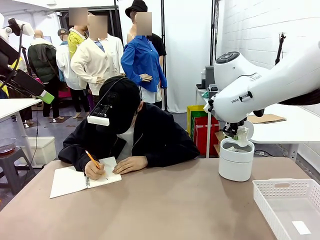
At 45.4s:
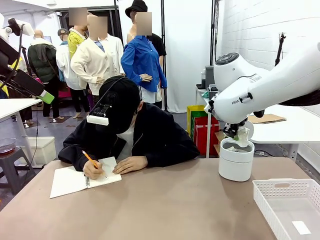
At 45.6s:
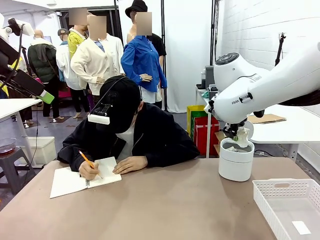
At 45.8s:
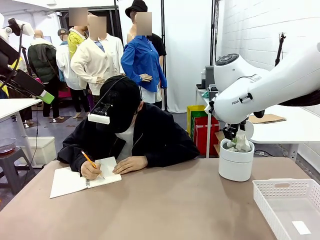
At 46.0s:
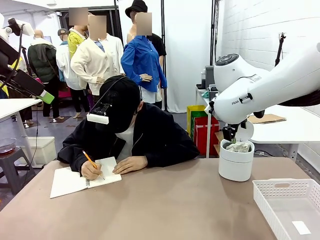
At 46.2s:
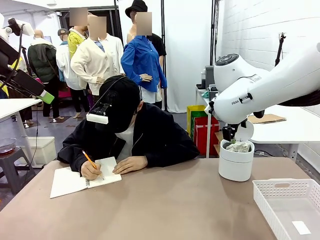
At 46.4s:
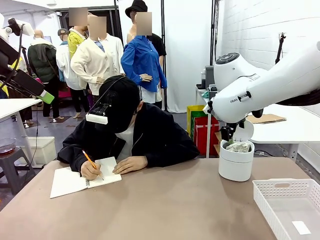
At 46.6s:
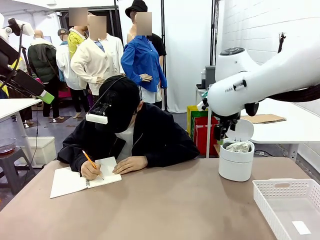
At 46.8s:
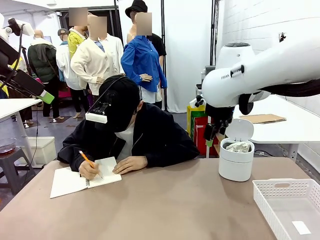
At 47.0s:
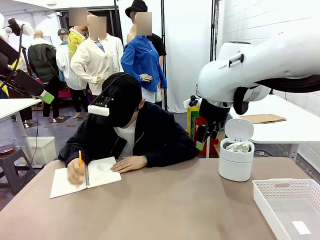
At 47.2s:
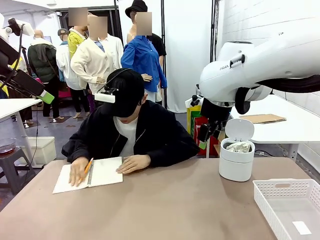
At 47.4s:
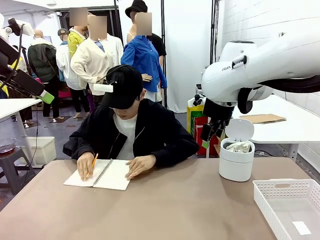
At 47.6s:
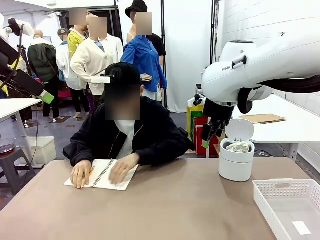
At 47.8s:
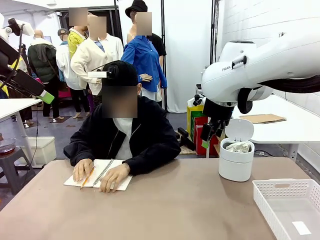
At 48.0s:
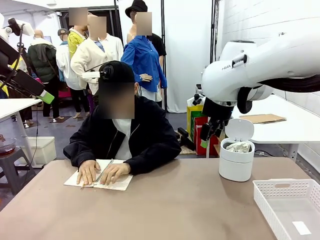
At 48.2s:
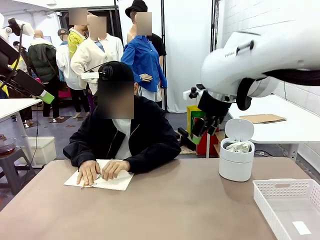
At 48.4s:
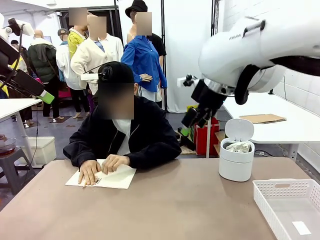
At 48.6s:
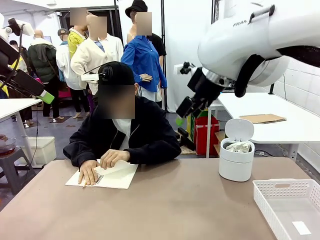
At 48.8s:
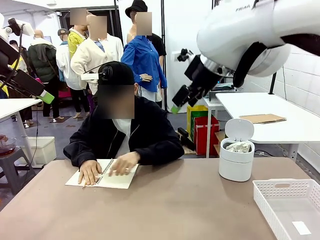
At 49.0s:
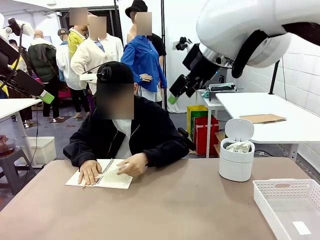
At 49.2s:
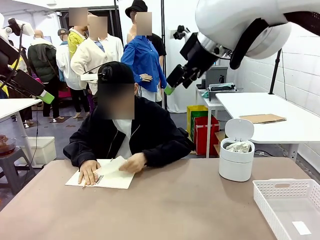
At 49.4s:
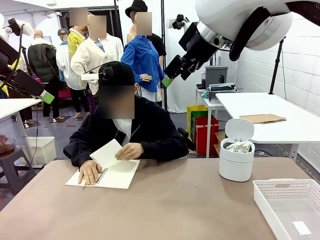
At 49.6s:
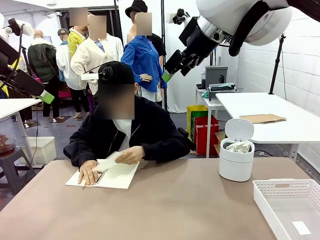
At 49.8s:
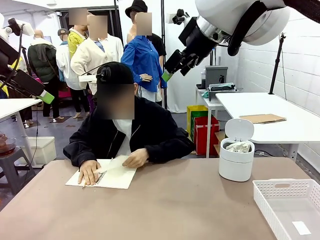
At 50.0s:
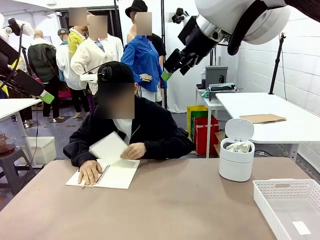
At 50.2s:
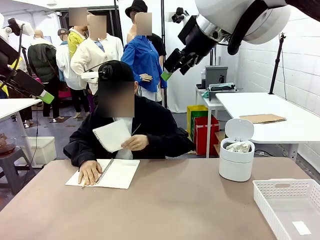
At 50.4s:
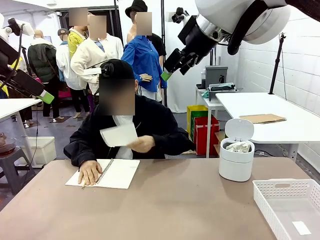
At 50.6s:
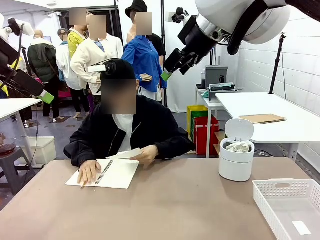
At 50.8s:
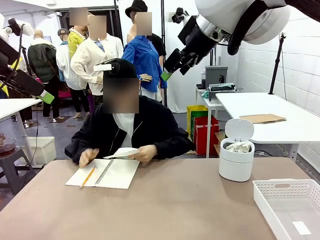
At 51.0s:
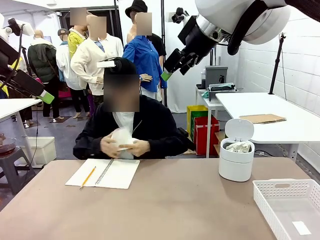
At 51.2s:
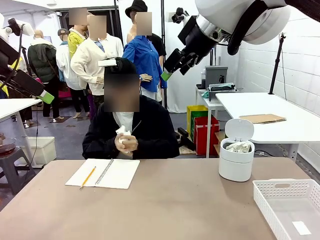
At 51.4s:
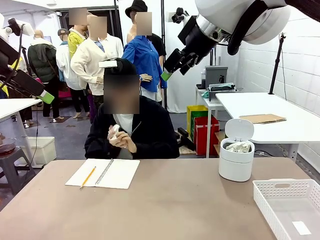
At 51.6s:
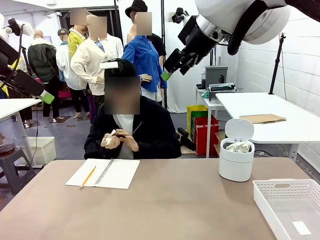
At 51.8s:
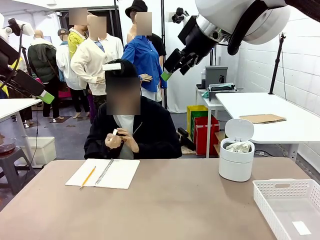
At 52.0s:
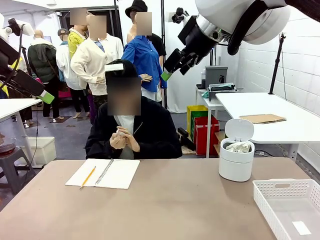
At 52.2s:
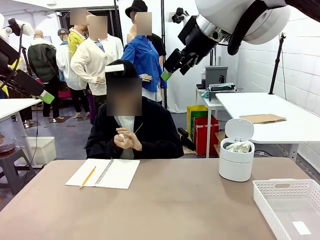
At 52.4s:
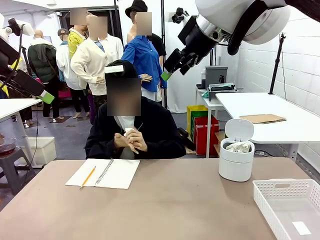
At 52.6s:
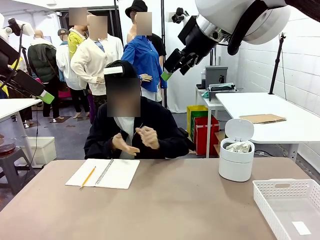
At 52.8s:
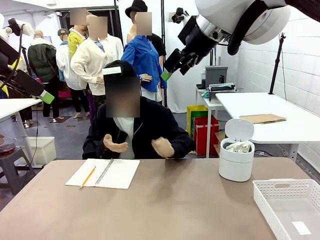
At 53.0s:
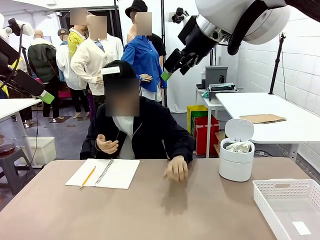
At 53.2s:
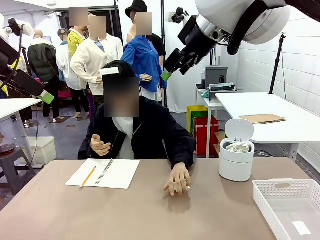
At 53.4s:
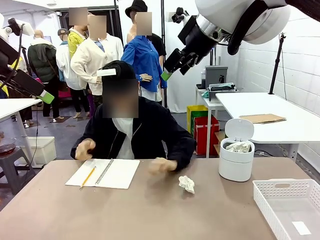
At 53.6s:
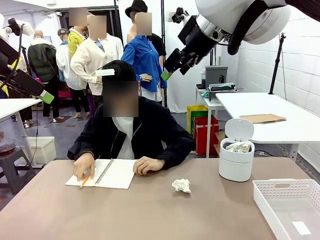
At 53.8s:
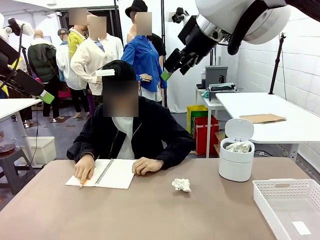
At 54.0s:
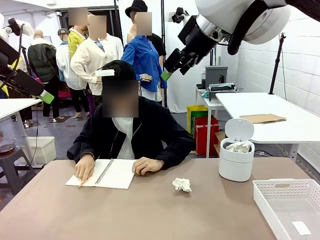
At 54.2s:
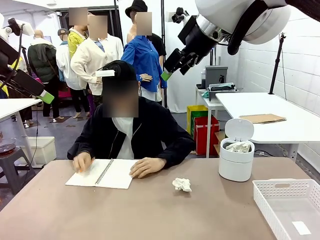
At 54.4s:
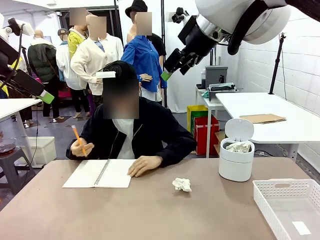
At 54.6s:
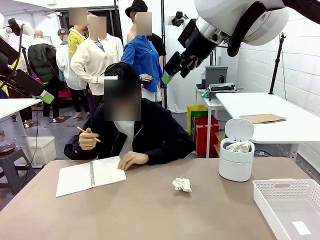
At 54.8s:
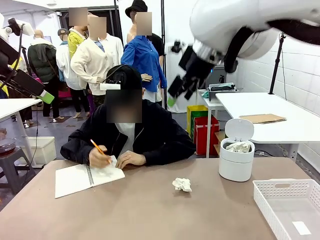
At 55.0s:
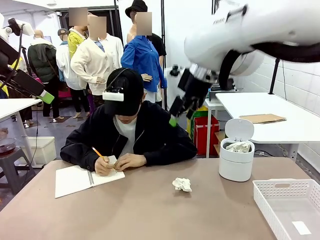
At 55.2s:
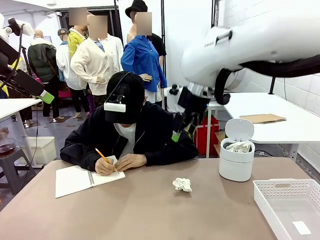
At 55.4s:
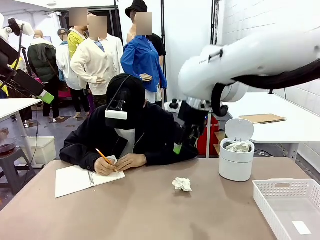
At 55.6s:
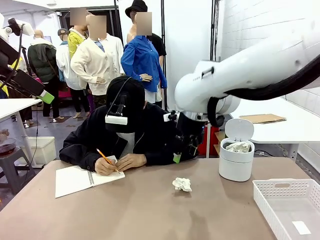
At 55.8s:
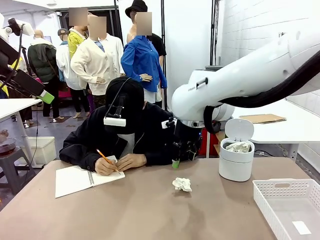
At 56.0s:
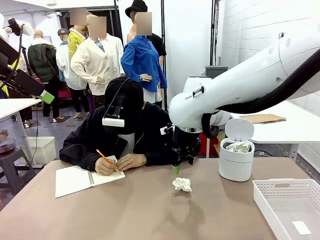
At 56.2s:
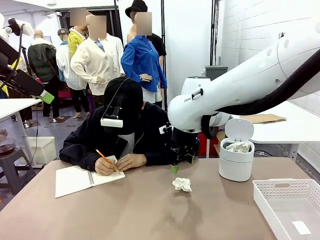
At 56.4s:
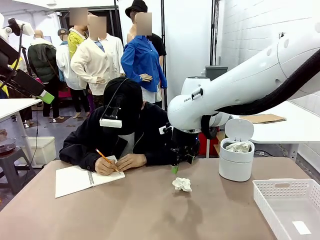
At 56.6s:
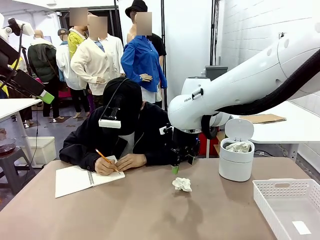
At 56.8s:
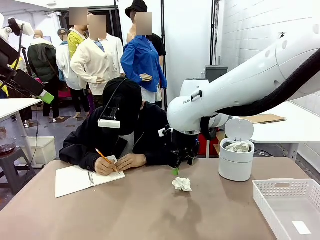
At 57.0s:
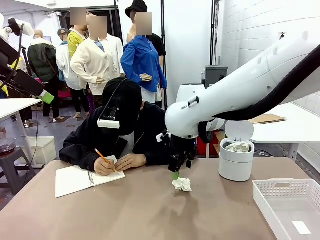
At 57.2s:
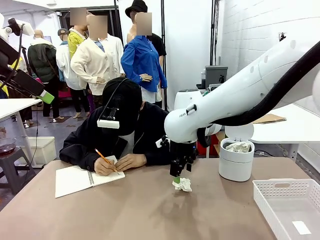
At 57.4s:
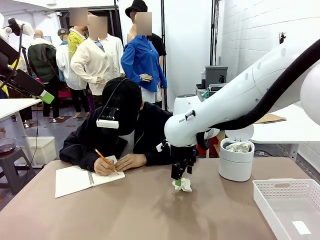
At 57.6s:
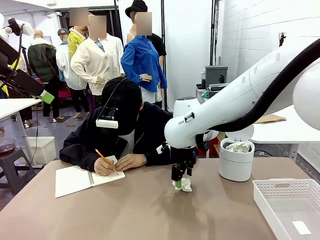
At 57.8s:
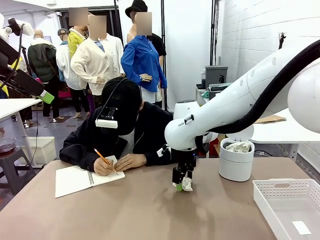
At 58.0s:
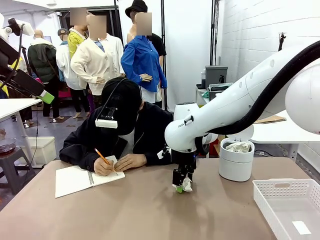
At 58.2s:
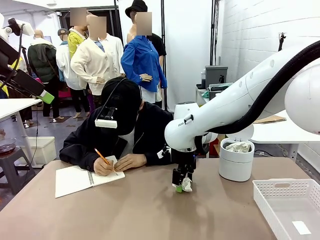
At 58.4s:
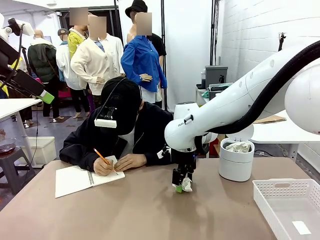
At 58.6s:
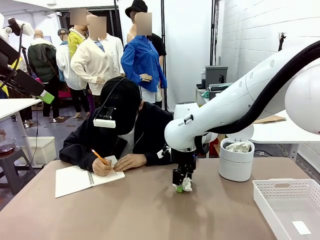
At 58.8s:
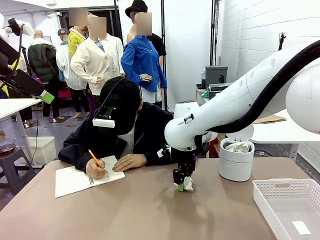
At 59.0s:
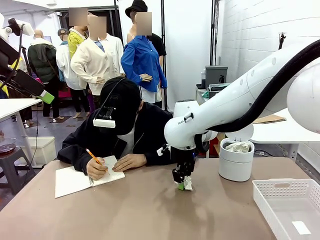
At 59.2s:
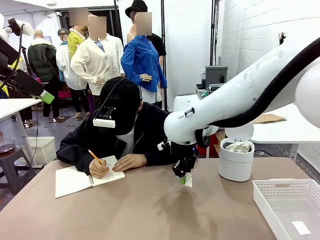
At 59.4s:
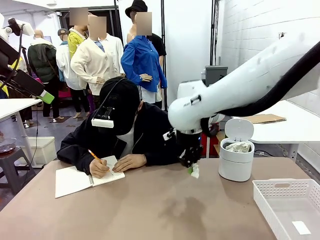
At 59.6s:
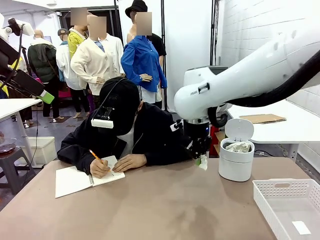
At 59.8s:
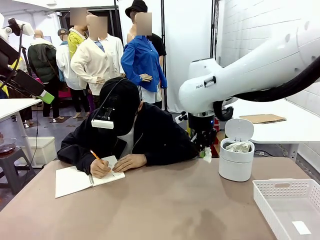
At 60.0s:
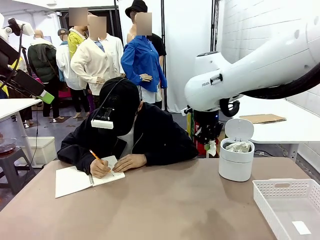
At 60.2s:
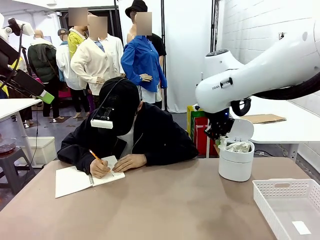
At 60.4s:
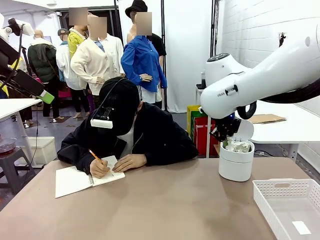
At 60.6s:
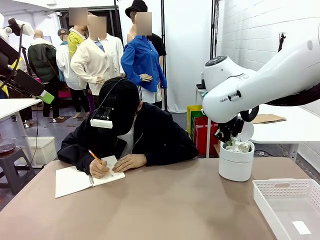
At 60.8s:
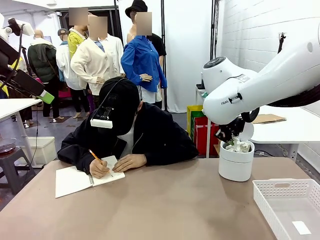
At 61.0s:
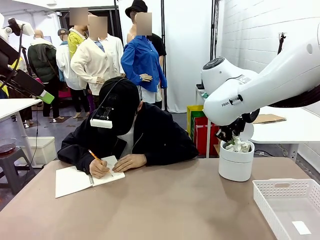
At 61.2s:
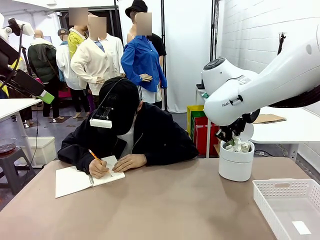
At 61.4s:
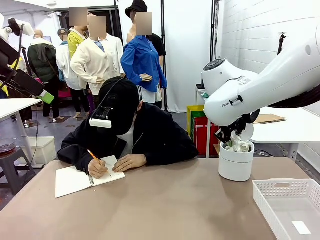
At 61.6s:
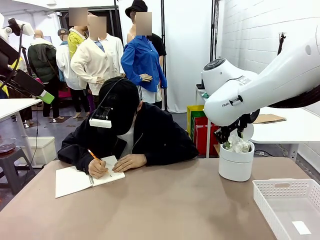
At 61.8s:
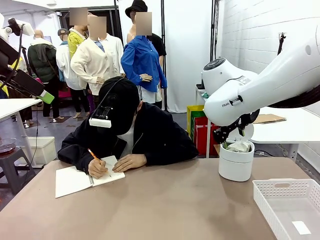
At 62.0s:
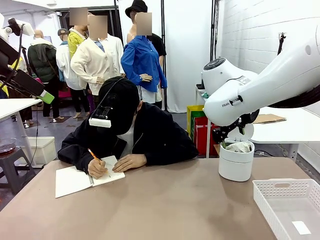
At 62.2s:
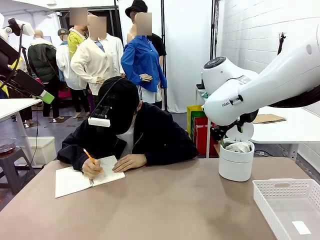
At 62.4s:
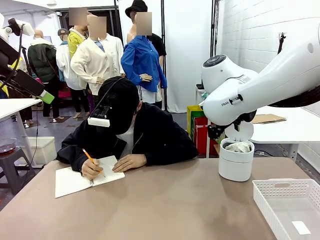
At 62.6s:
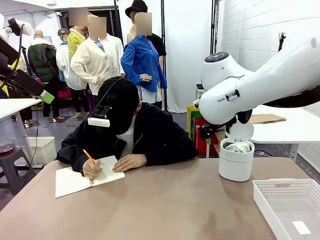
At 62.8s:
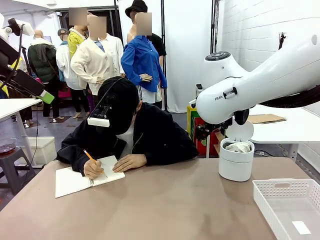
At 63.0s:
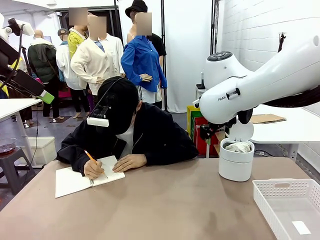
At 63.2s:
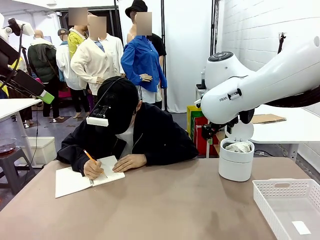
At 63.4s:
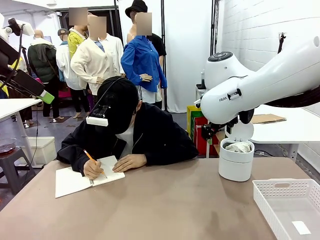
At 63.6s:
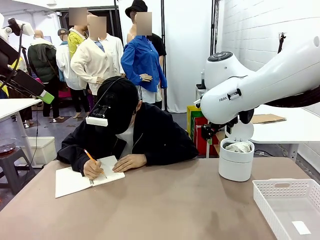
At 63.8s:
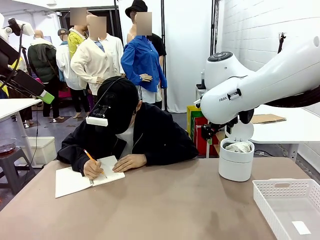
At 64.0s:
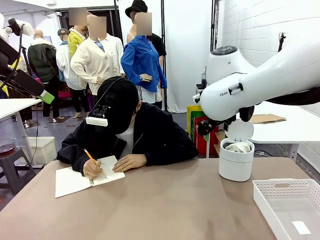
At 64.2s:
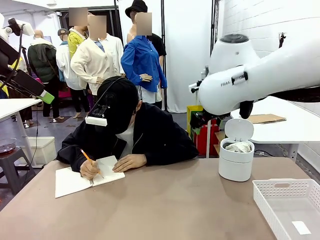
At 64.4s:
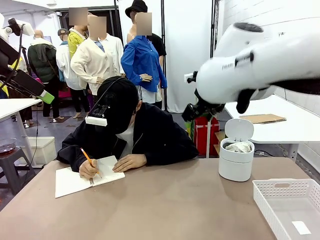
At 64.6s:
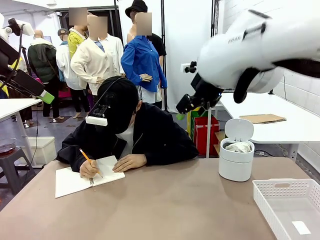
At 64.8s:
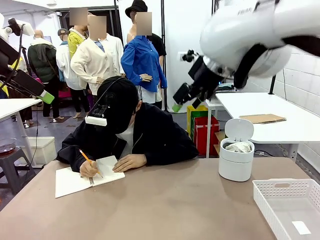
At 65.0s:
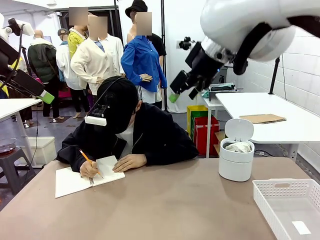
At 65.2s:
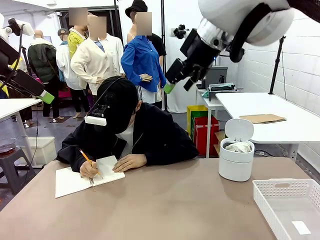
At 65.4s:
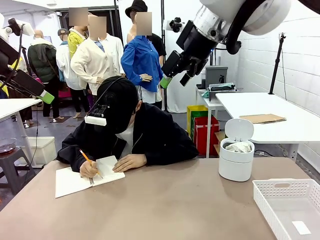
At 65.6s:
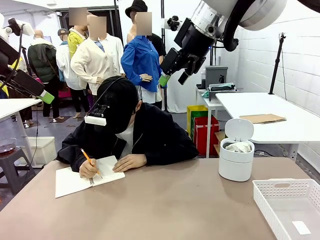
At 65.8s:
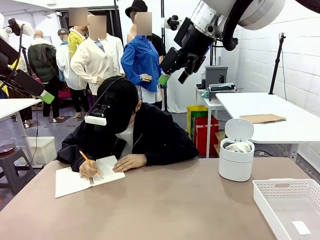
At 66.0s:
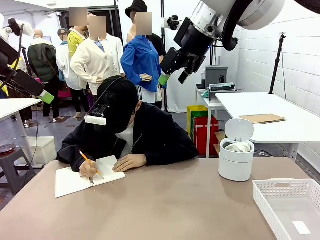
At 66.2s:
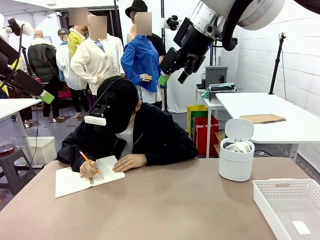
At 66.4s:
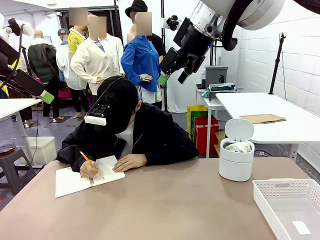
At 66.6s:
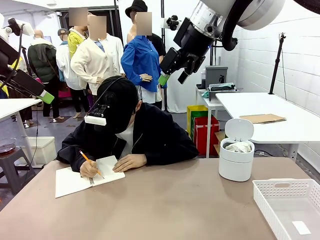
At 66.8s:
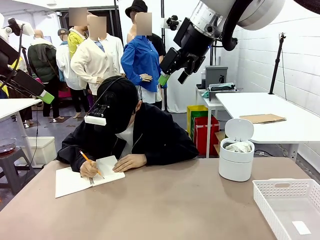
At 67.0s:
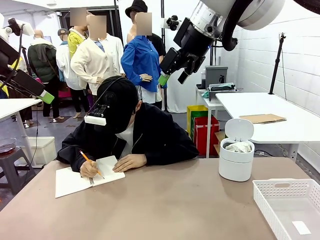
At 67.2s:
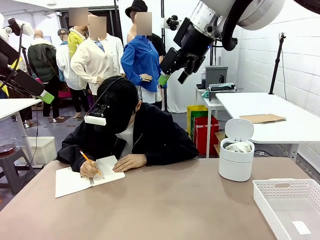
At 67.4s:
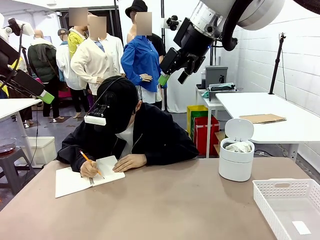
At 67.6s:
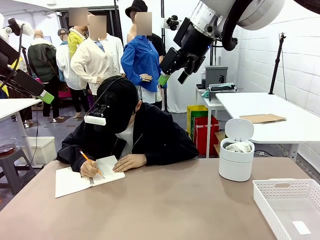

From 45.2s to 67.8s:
Task: Sort the paper based on its condition.
Robot: If a person hands you a paper, place it in the Organizing basket , and if it's crumpled, put it in the Trash can.
Person: Hand the torn page to the robot or crumple it and throw it to the center of the table.
